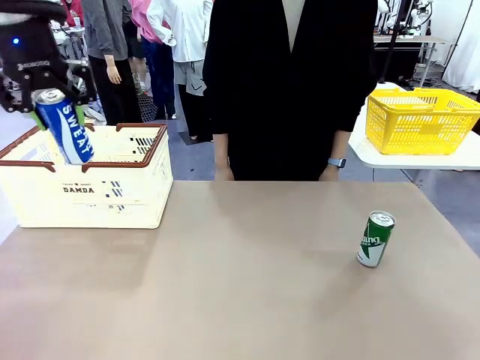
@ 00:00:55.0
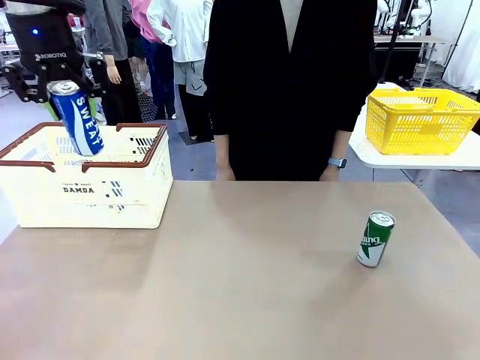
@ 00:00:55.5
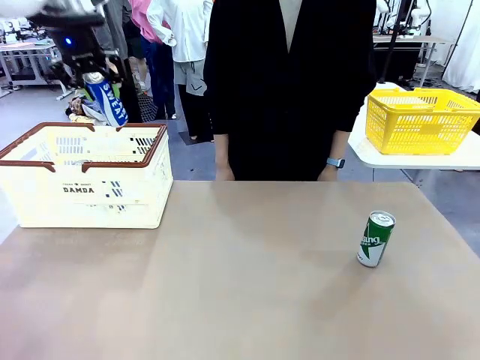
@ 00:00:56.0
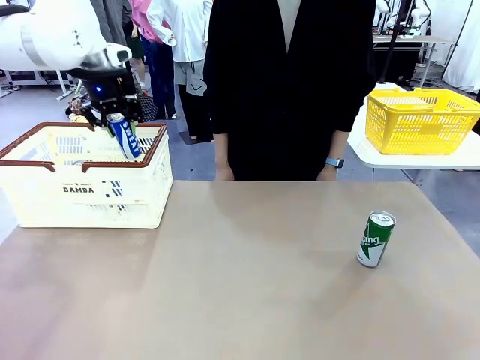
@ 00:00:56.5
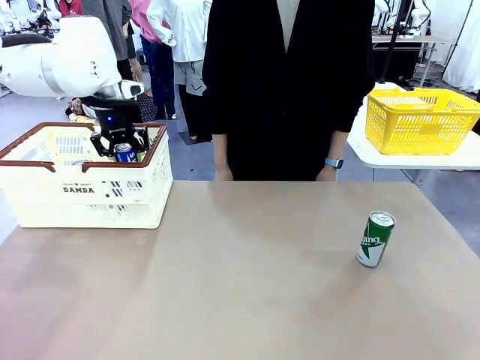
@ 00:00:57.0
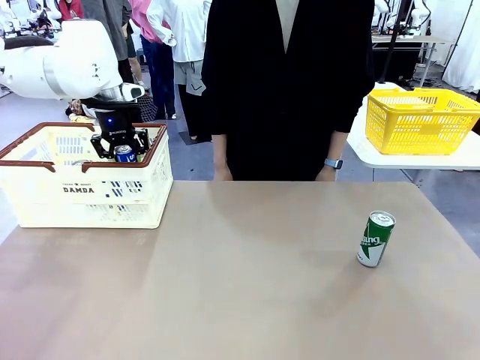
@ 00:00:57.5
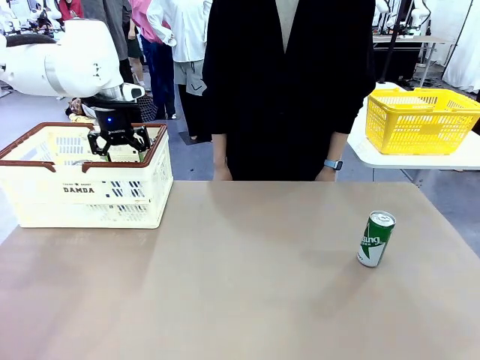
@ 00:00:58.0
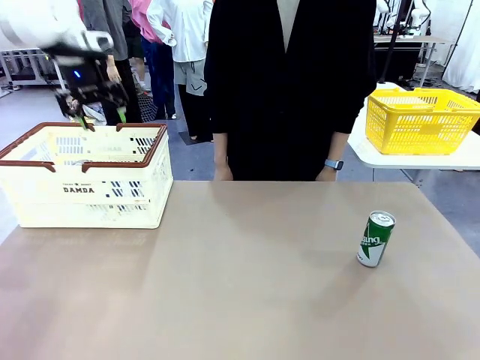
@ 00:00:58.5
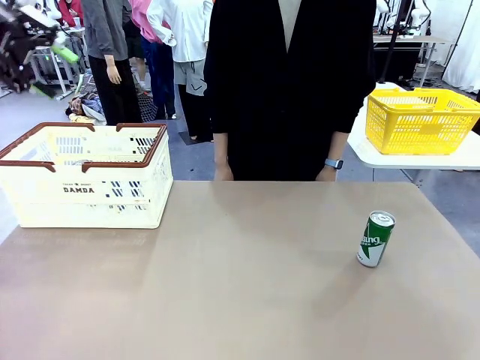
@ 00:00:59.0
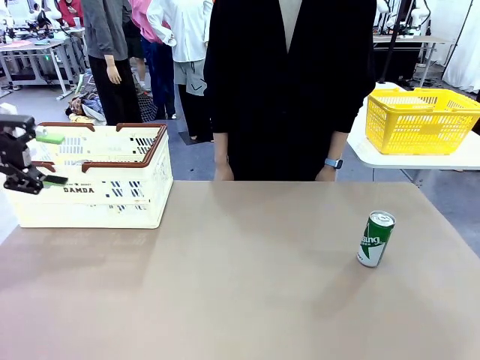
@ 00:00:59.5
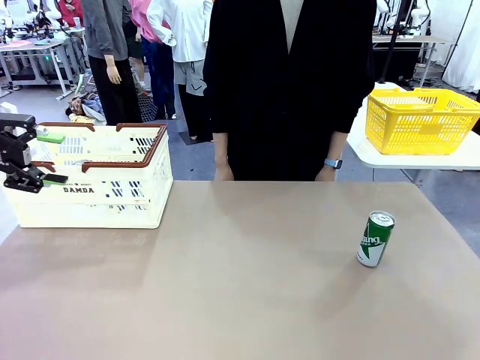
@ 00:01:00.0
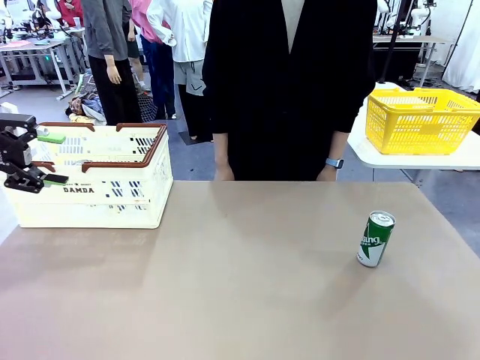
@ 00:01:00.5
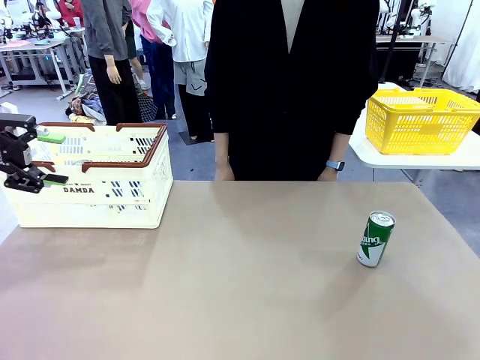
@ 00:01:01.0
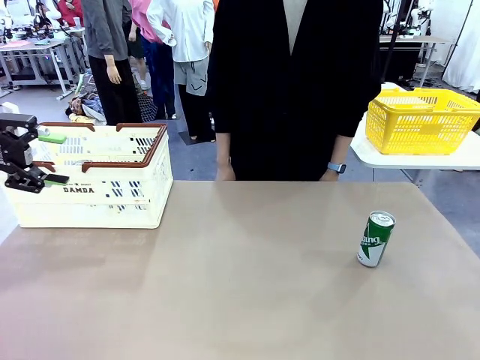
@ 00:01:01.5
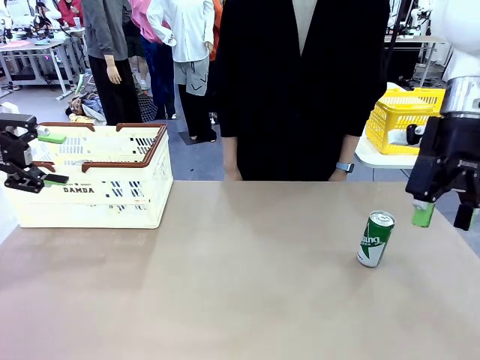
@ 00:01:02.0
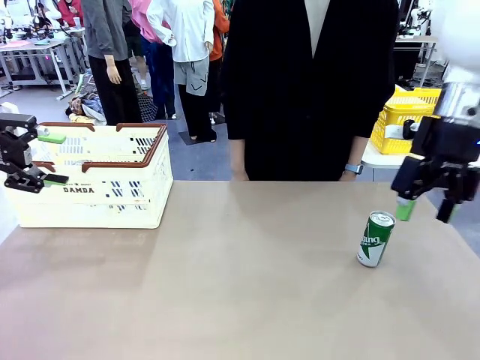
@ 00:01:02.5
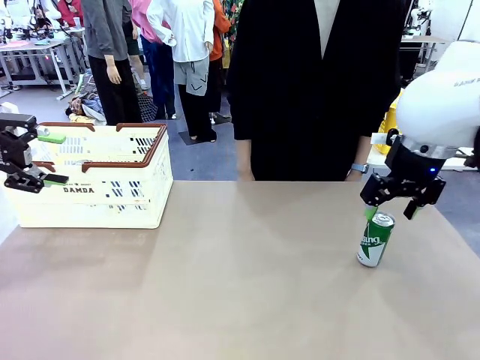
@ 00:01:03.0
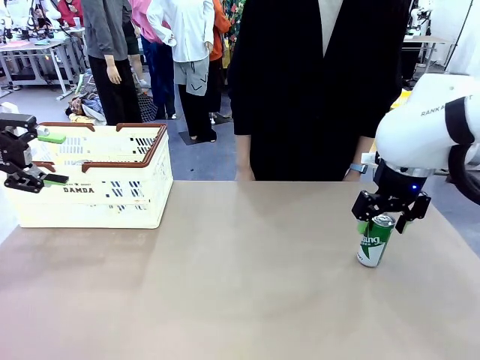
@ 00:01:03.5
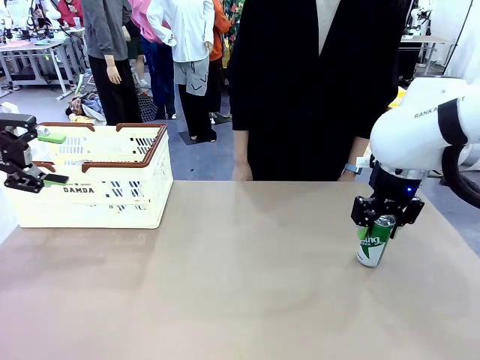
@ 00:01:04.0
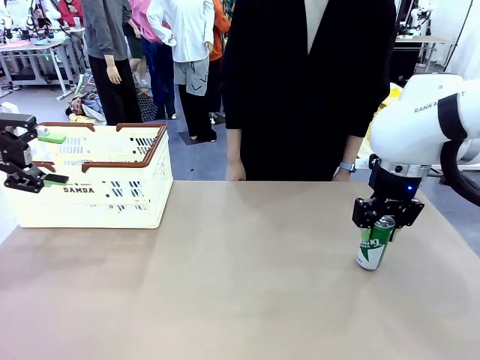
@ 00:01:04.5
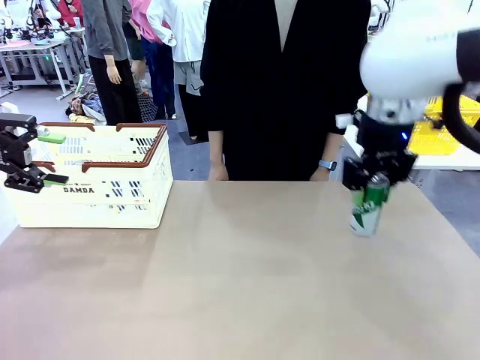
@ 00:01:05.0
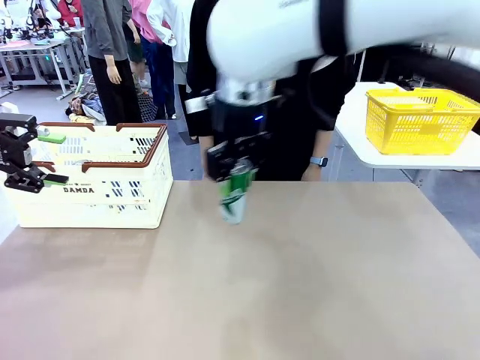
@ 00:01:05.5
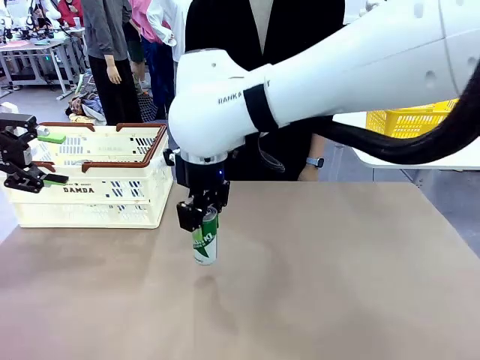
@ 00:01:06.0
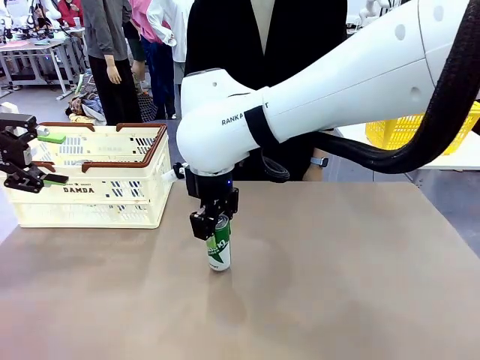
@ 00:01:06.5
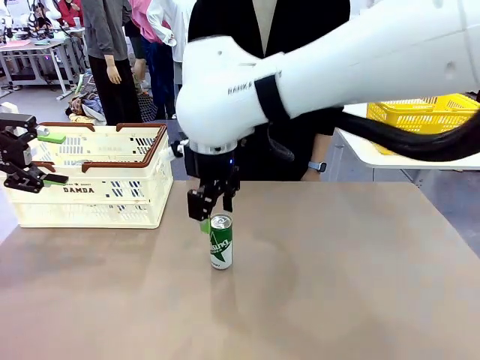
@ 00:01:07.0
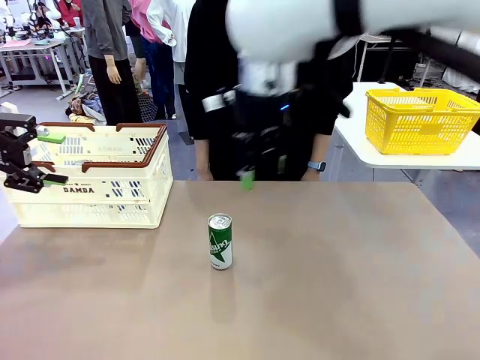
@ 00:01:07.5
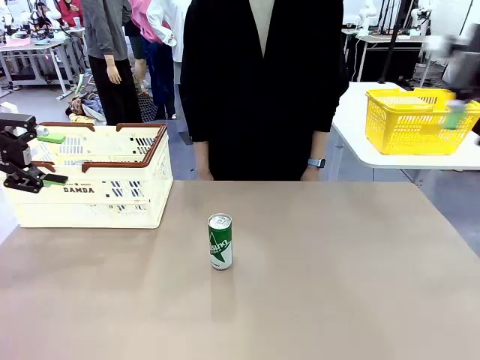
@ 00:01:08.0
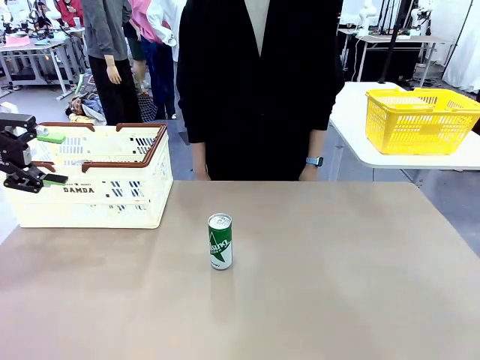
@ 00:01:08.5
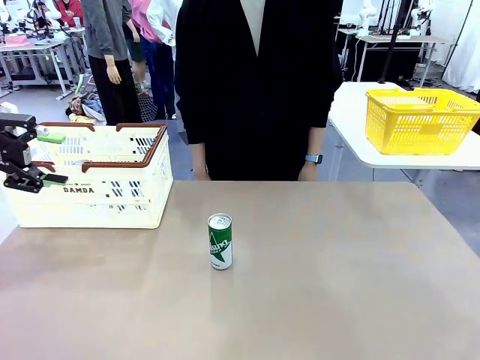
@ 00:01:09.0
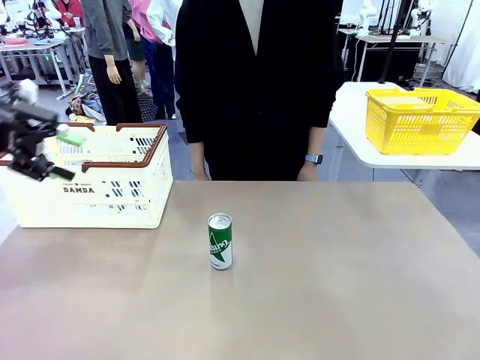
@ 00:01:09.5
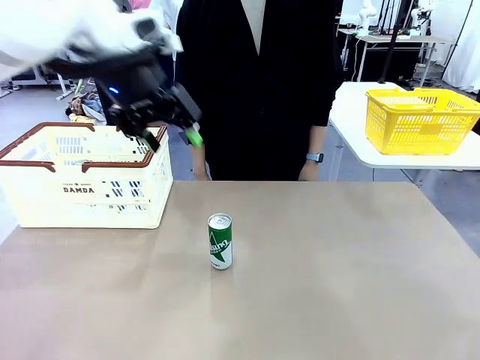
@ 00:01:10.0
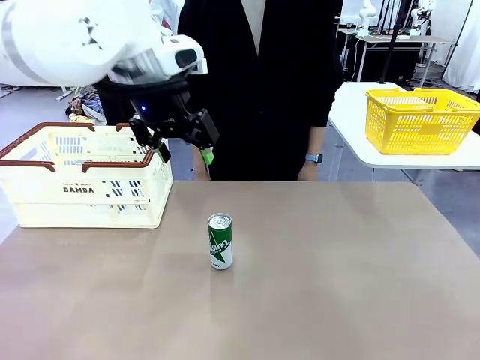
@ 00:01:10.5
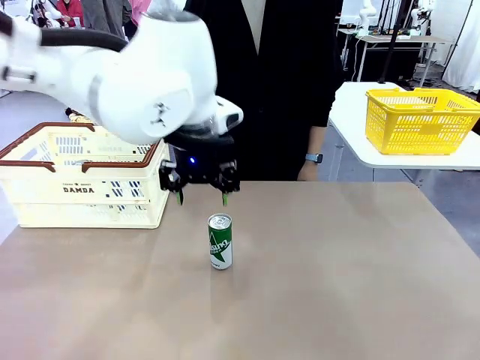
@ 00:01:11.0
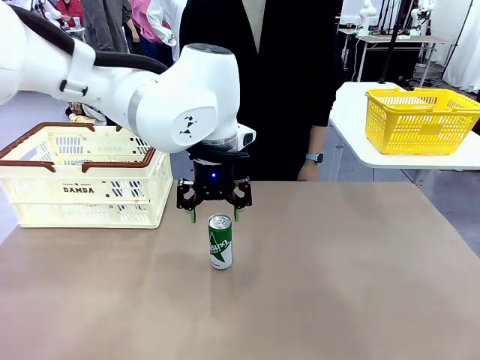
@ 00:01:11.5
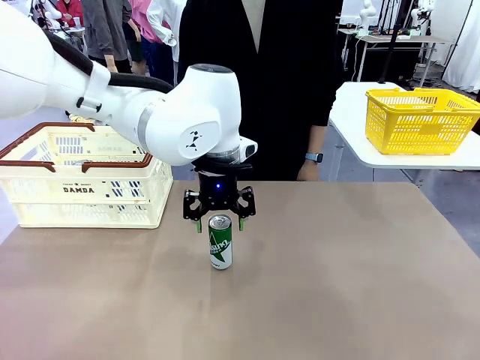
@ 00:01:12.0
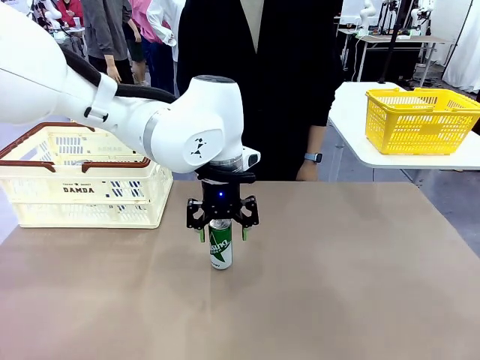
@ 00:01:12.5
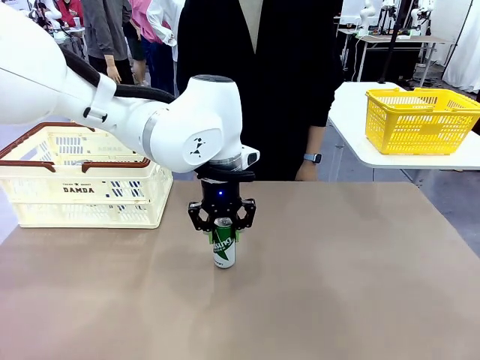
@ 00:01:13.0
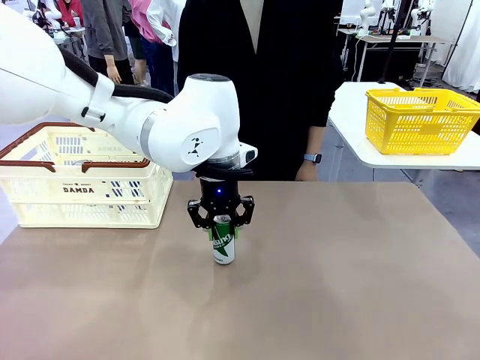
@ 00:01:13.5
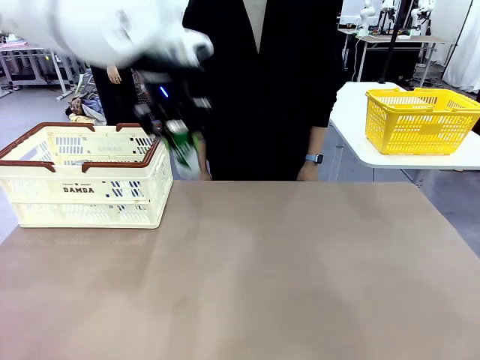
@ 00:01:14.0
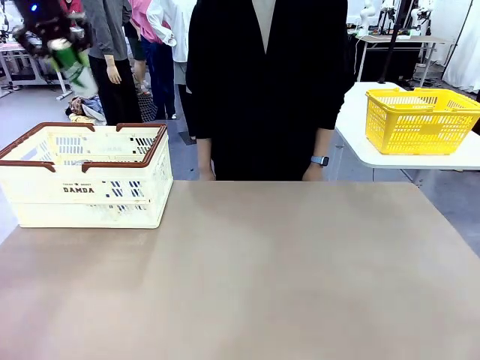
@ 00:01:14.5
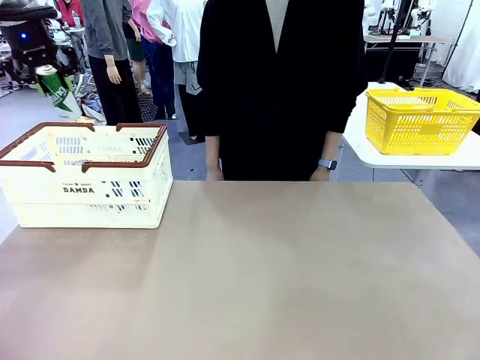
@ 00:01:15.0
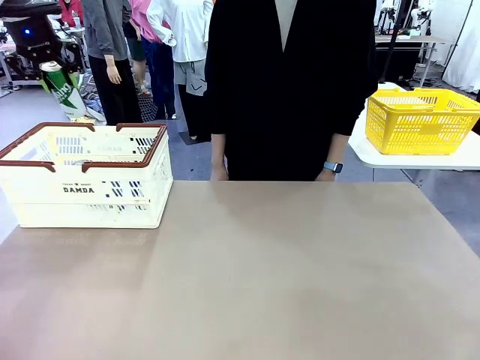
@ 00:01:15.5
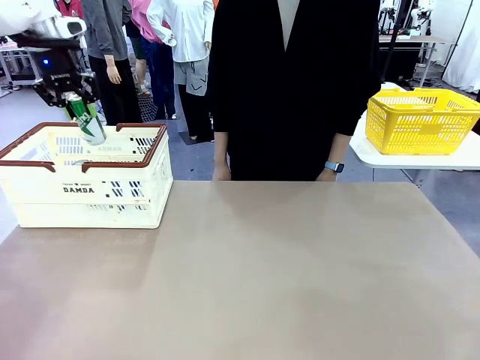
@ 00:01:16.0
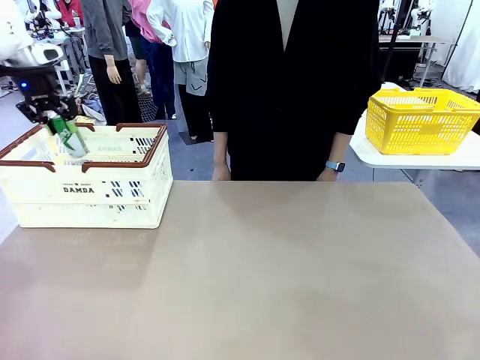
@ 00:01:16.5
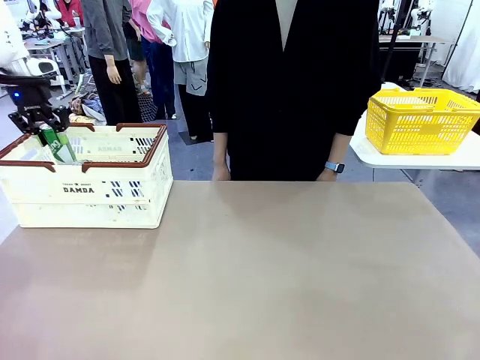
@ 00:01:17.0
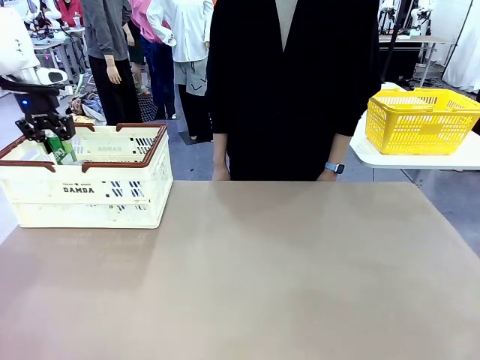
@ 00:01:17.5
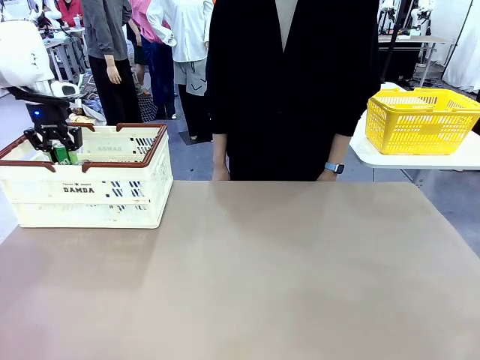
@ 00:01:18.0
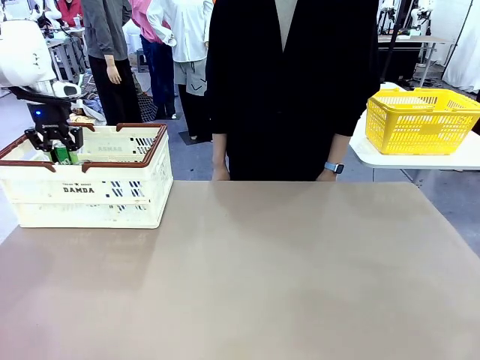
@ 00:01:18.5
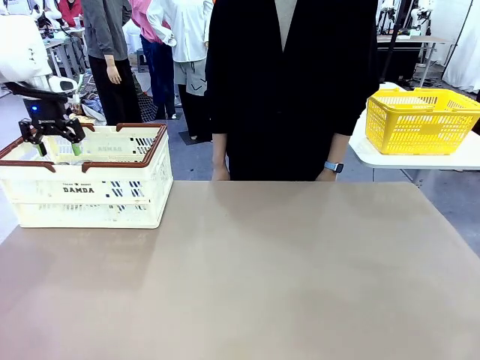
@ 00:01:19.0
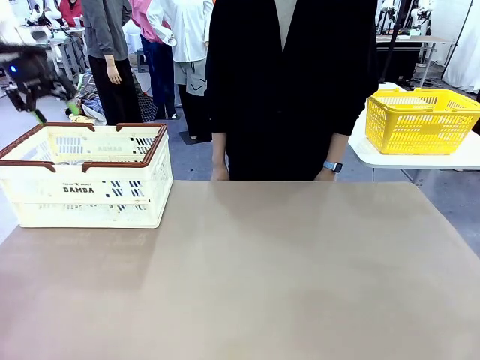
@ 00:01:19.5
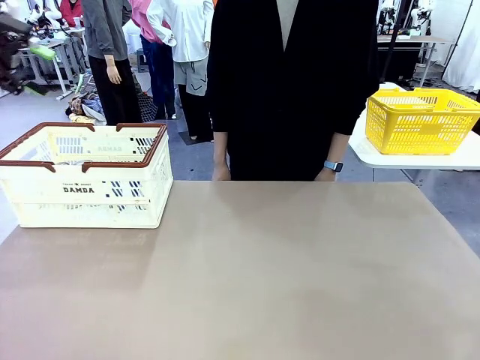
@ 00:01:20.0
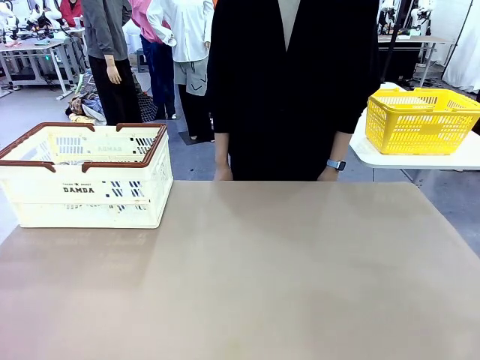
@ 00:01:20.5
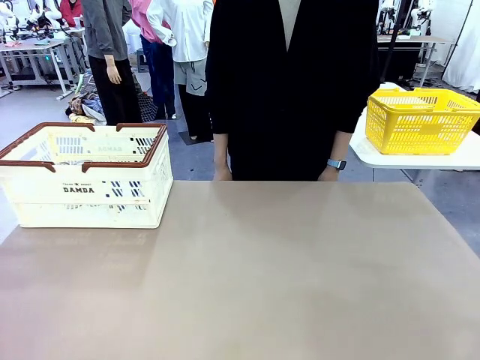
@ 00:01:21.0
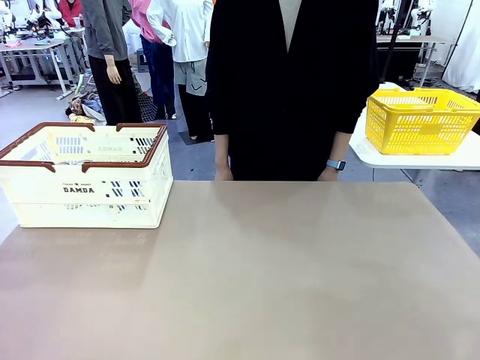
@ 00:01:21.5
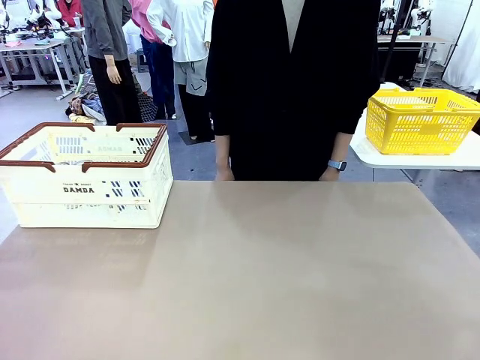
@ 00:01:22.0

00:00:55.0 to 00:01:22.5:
Task: Place the drinks into the Shopping basket.
Robot: Pick up one drink and place it into the Shopping basket.
